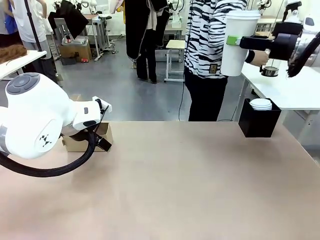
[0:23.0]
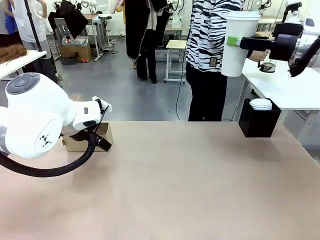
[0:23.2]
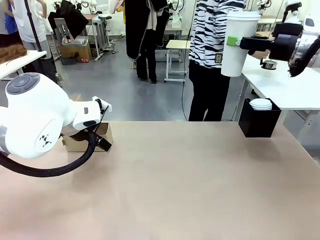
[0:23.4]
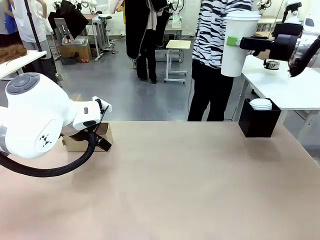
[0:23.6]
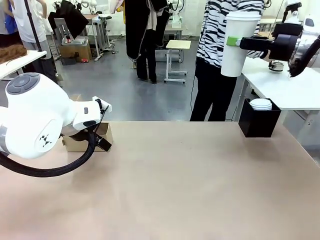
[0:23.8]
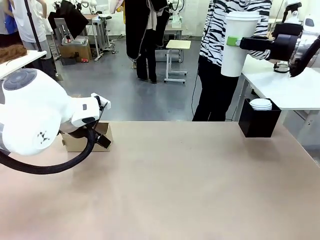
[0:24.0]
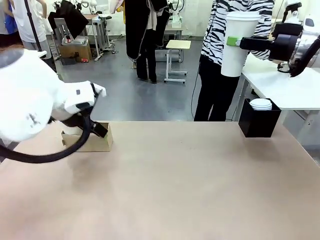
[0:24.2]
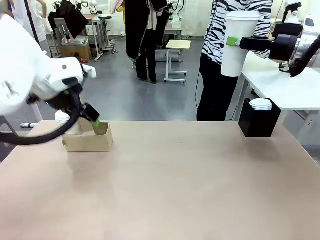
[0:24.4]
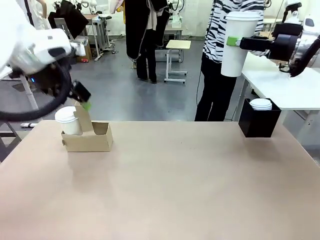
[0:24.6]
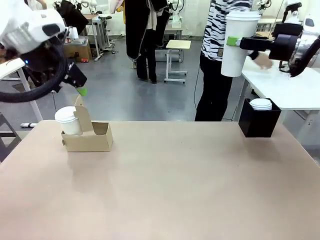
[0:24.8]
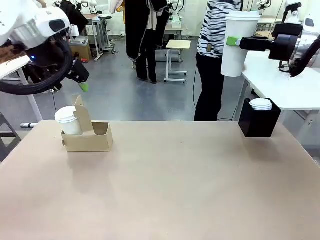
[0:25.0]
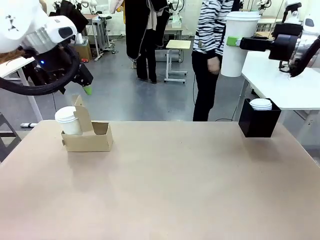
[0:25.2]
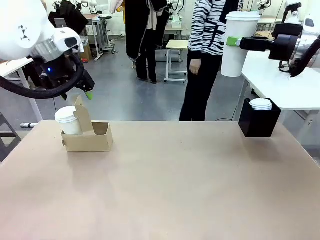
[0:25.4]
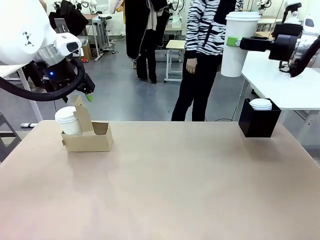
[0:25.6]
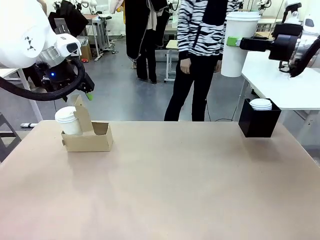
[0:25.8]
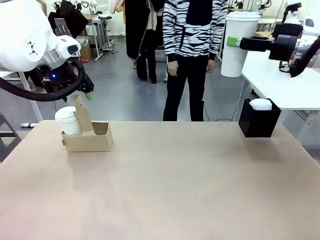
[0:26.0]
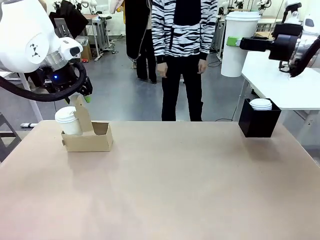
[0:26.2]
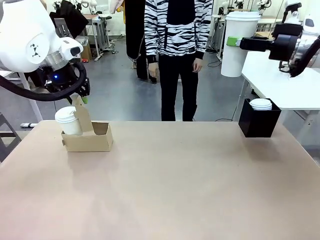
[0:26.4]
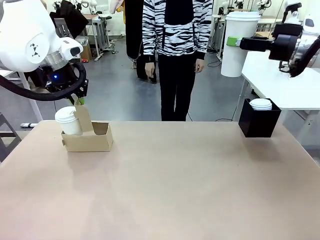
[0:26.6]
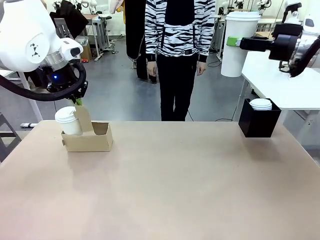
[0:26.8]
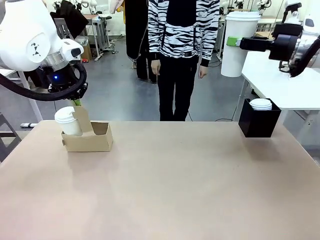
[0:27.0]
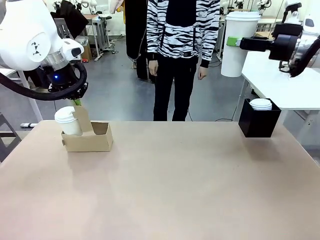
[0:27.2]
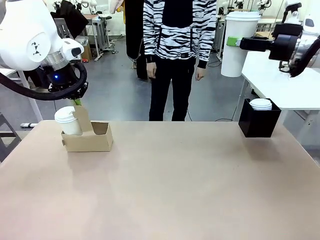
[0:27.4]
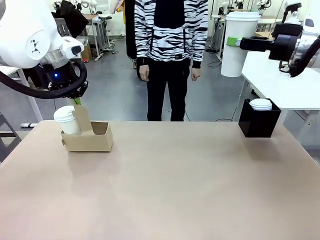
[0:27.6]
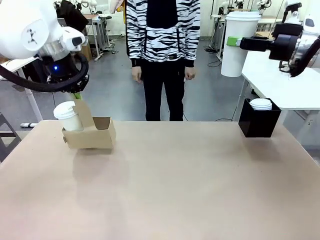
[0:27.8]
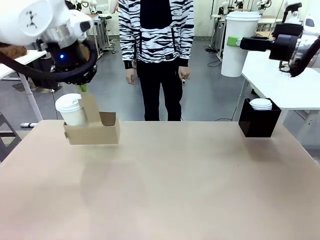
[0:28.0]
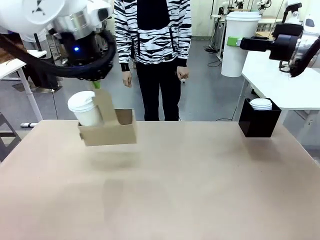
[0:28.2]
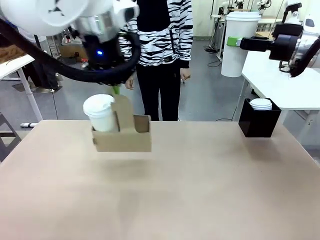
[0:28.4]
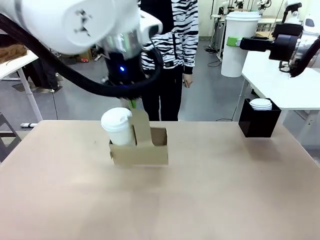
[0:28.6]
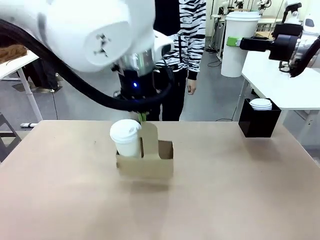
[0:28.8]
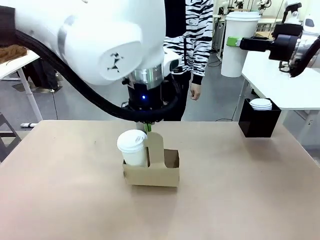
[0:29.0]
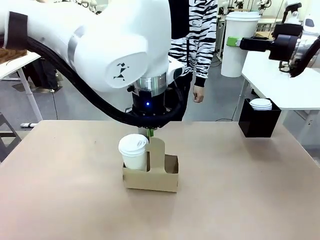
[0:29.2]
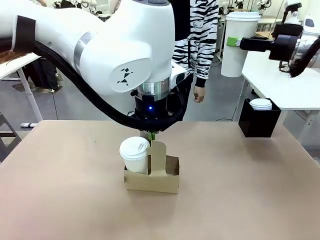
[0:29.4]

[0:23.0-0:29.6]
Task: Pour a drink into a cup and package it in a carrier.
Robot: Position the Cup Carrier in the center of the table.
Person: Pick up the Filter Brewing and place on the middle of Human table, and return to the Robot table.

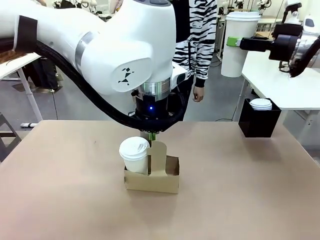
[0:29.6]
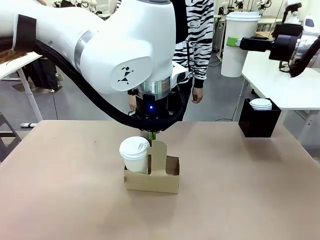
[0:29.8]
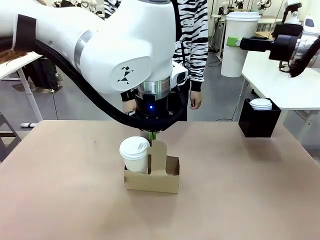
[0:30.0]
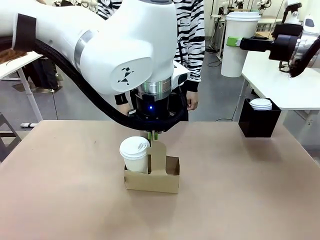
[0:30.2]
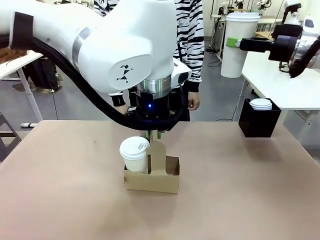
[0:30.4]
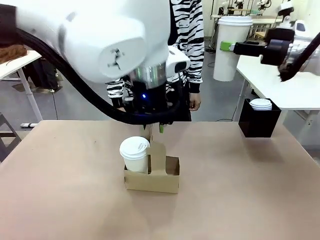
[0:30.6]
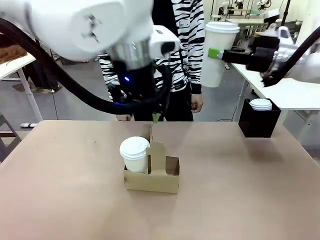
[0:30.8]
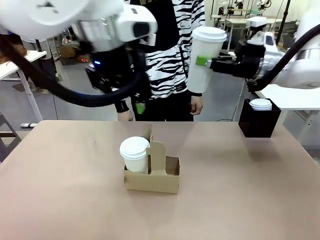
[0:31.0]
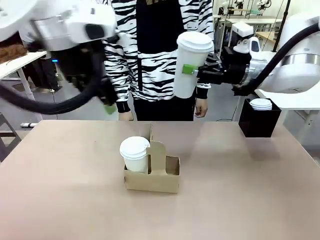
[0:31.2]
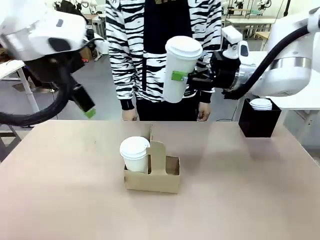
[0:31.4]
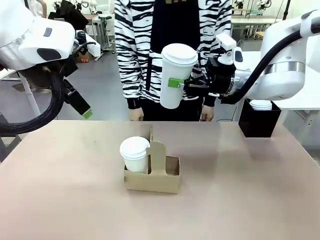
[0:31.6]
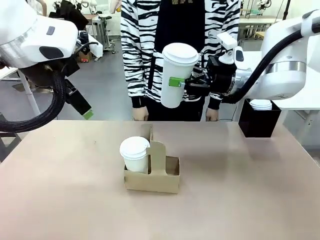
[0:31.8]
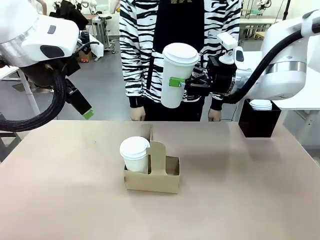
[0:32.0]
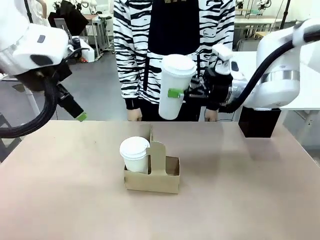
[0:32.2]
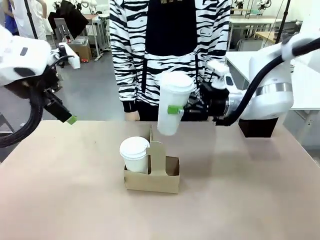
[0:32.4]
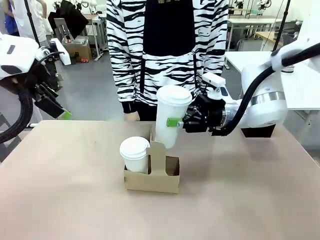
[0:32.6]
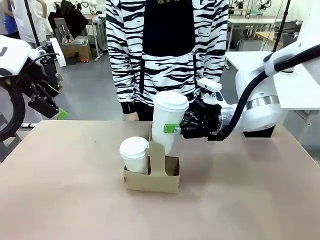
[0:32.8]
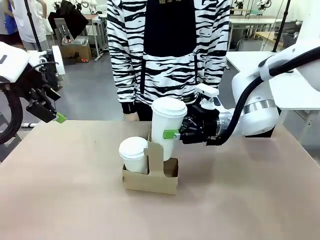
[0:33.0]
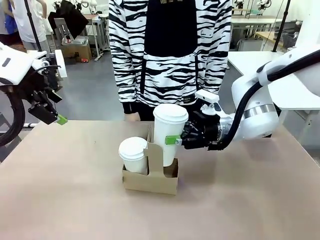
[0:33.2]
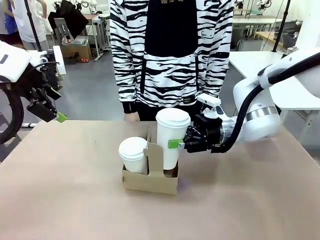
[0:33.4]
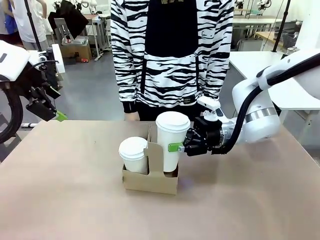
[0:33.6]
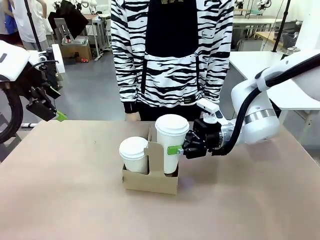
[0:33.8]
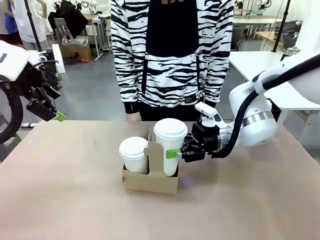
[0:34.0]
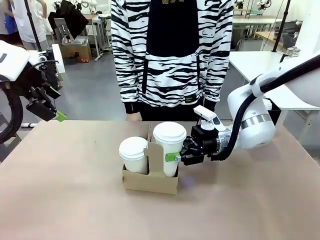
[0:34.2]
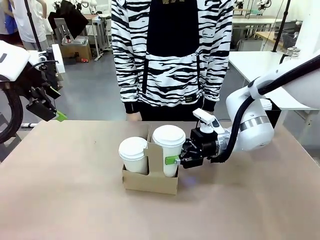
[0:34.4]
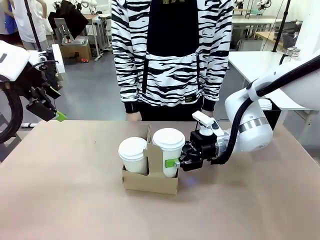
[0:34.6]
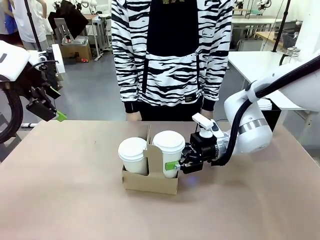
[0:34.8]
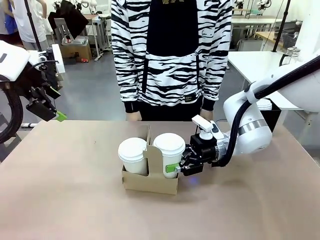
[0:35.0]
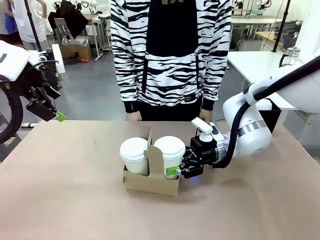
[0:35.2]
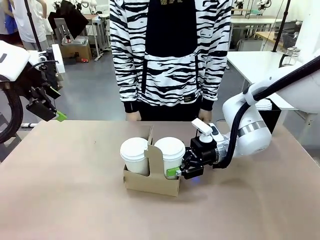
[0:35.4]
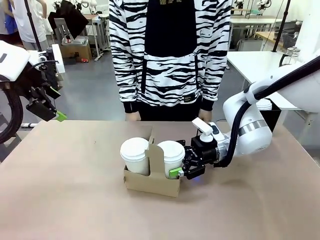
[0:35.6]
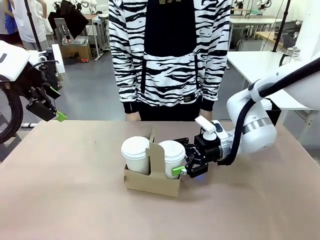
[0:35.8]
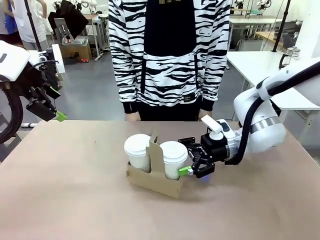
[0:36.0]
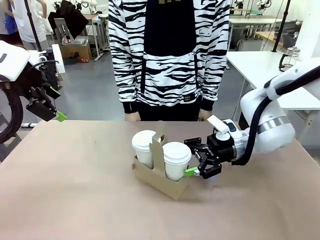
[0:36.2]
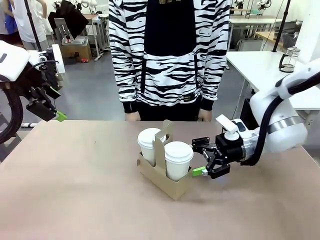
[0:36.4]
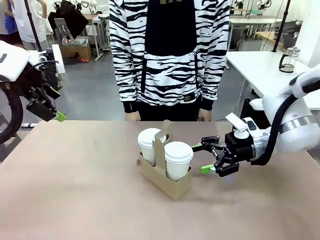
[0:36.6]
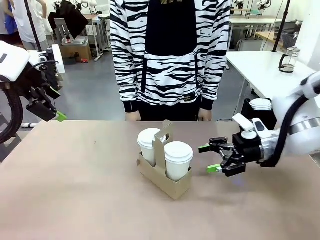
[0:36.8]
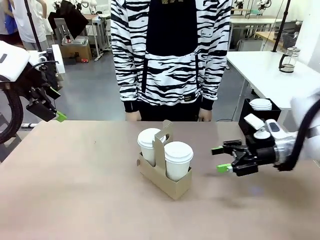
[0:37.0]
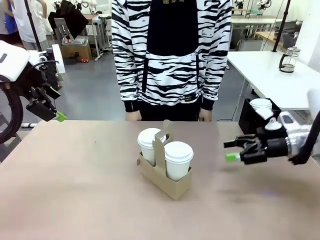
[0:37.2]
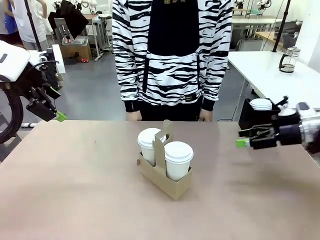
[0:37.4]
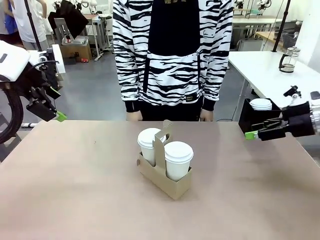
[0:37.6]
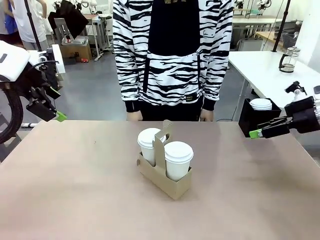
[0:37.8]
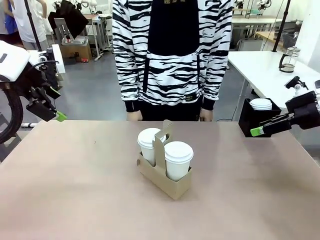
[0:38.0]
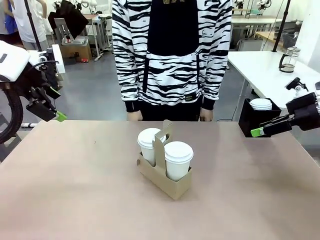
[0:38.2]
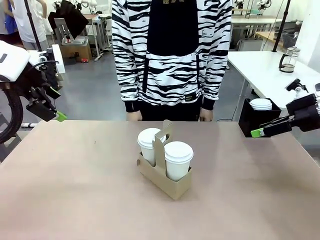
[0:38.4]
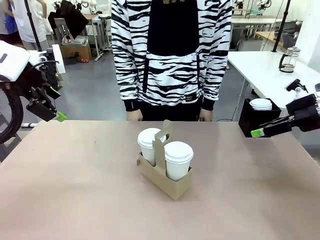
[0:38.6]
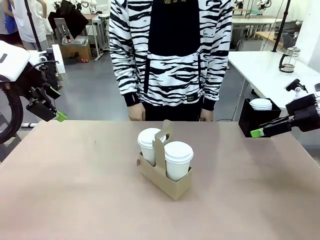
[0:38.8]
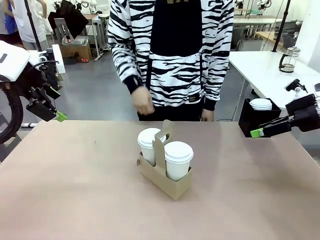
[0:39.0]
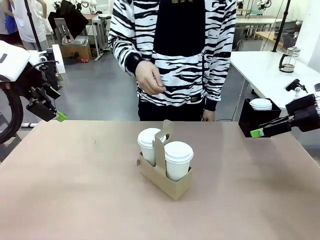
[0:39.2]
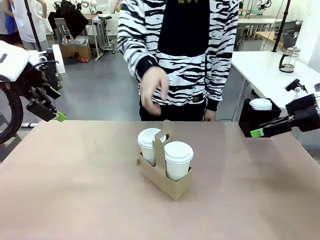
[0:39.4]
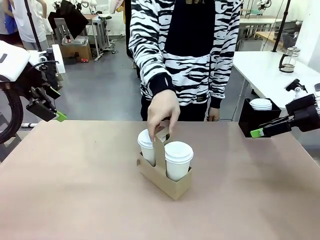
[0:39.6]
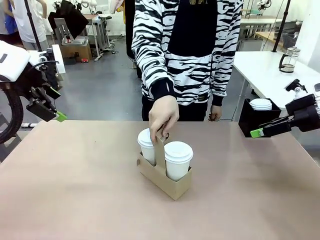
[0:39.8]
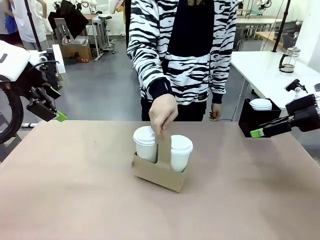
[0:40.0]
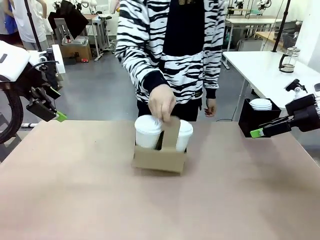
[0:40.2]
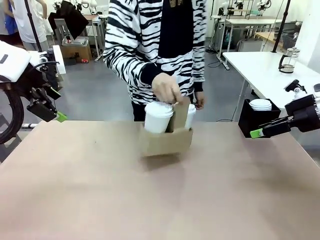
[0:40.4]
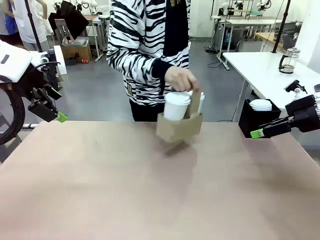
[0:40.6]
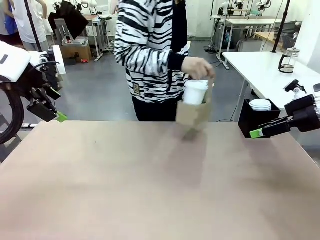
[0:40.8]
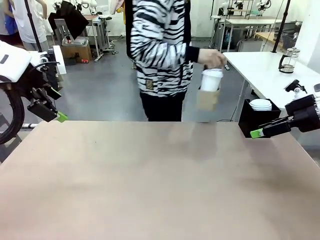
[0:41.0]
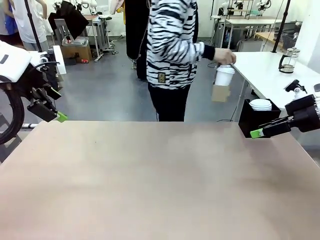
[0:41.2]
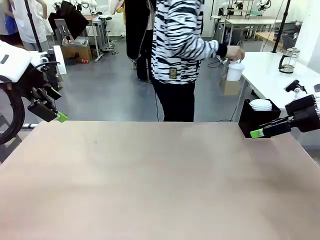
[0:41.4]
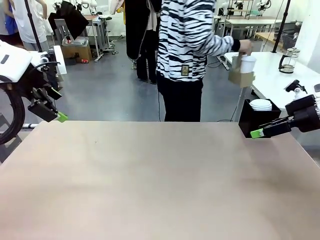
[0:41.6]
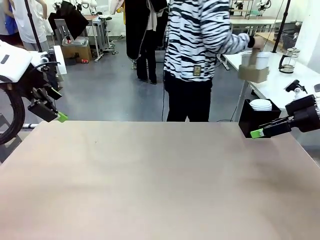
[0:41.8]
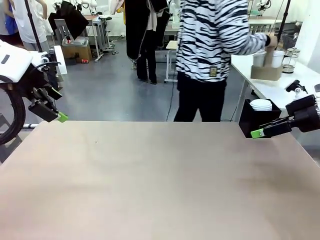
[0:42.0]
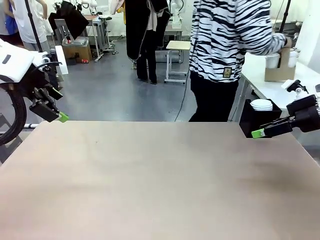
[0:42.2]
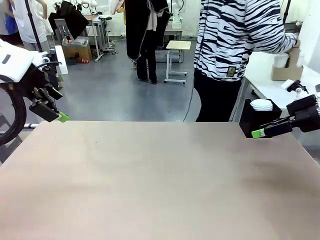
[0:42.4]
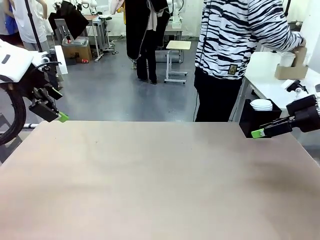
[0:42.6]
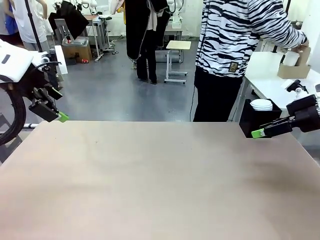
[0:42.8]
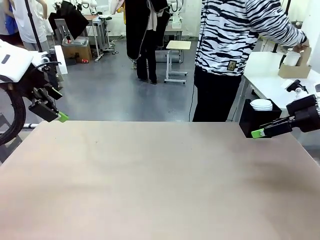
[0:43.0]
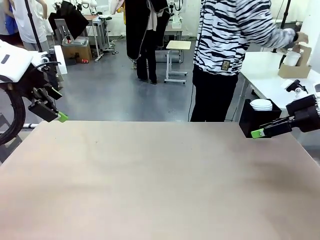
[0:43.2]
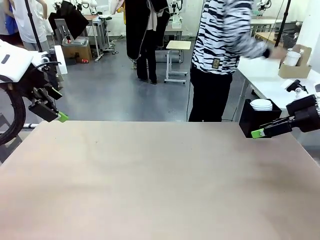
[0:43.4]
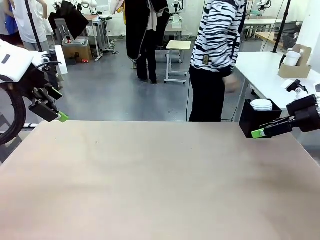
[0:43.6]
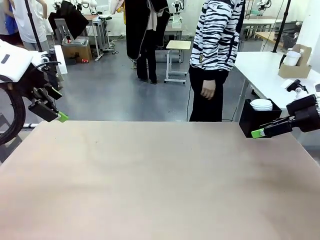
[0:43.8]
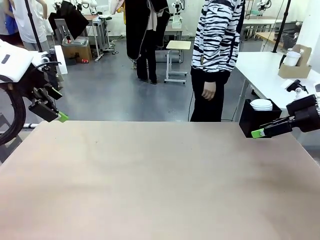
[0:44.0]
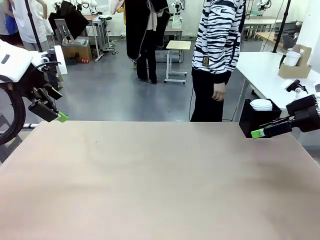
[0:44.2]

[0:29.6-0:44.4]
Robot: Insert the held 600 ml Paper Cup into the Cup Carrier.
Person: Place the Cup Carrier to the middle of Human table.
